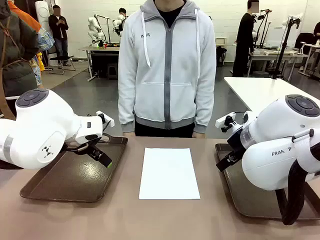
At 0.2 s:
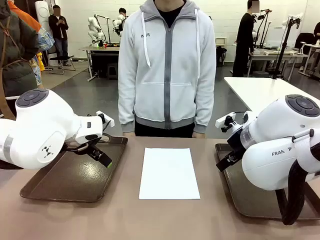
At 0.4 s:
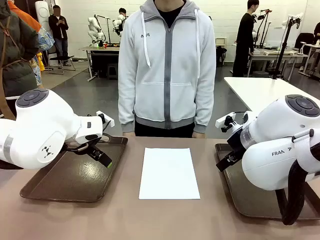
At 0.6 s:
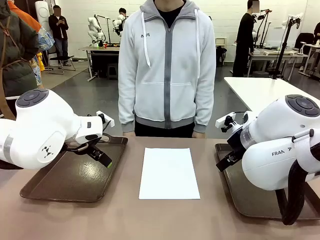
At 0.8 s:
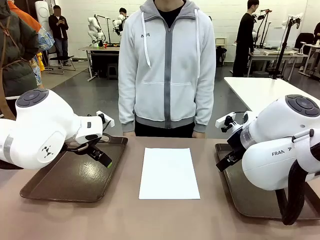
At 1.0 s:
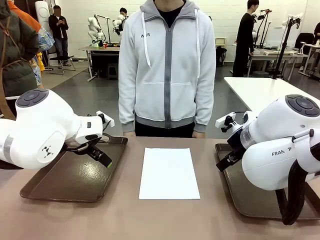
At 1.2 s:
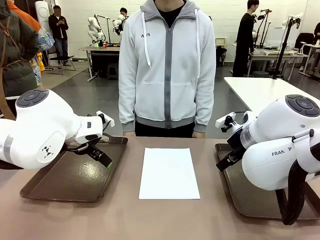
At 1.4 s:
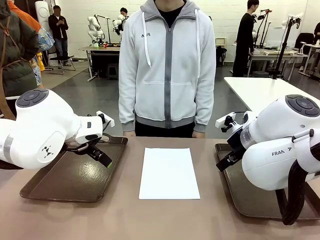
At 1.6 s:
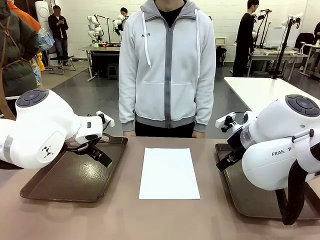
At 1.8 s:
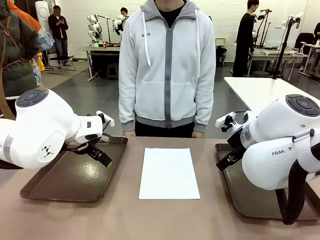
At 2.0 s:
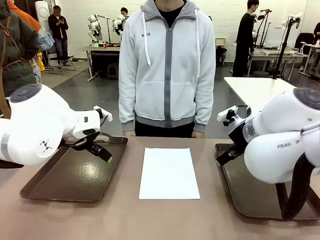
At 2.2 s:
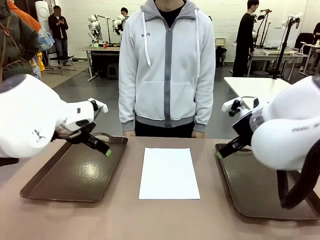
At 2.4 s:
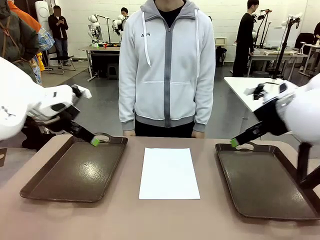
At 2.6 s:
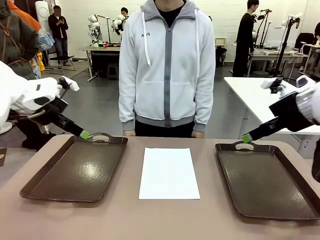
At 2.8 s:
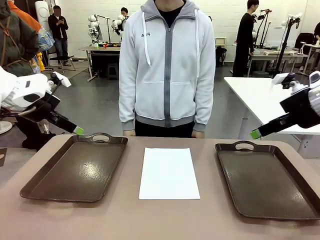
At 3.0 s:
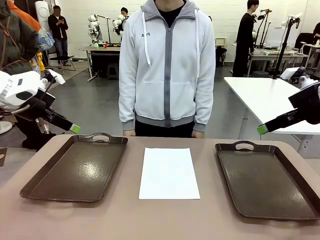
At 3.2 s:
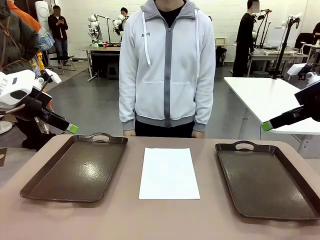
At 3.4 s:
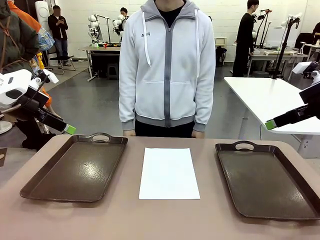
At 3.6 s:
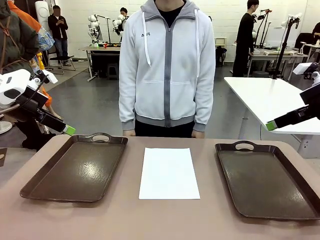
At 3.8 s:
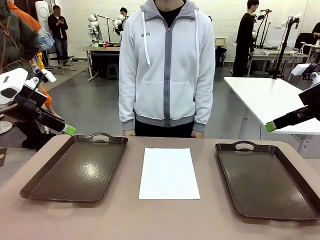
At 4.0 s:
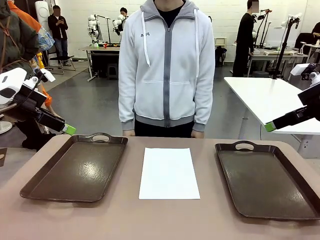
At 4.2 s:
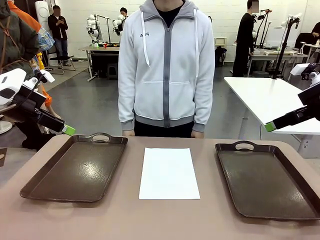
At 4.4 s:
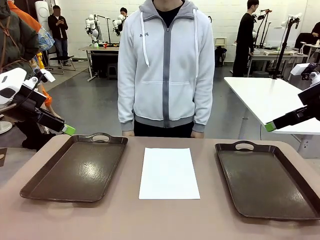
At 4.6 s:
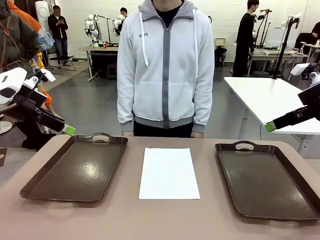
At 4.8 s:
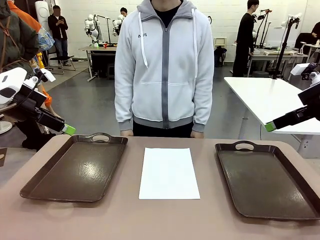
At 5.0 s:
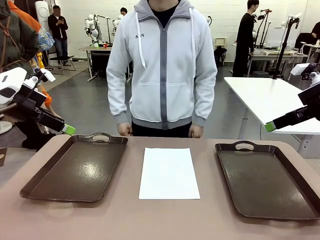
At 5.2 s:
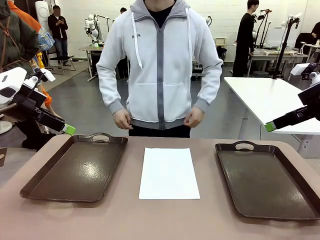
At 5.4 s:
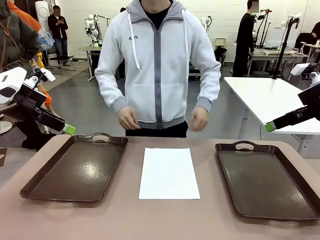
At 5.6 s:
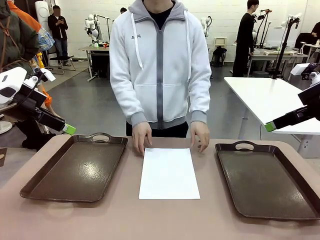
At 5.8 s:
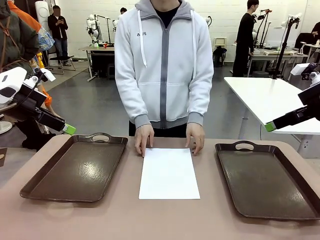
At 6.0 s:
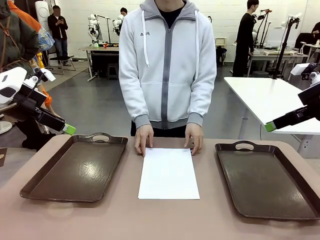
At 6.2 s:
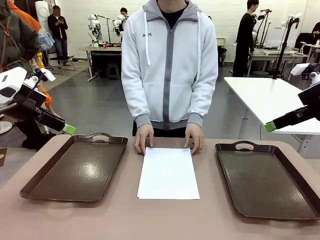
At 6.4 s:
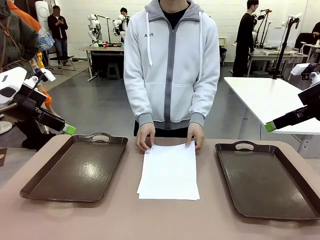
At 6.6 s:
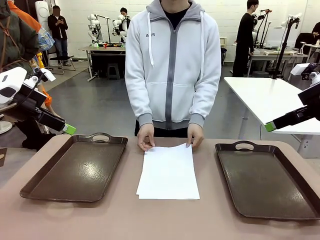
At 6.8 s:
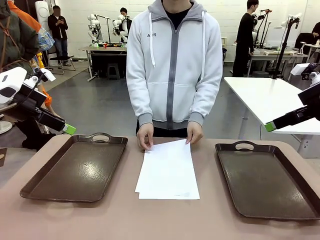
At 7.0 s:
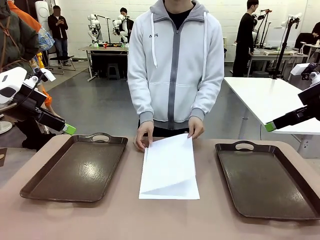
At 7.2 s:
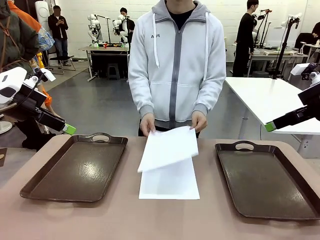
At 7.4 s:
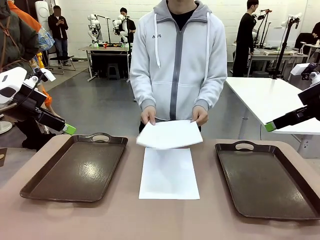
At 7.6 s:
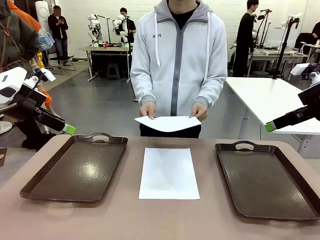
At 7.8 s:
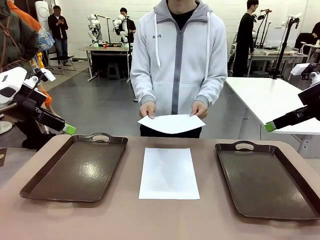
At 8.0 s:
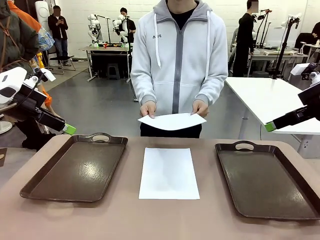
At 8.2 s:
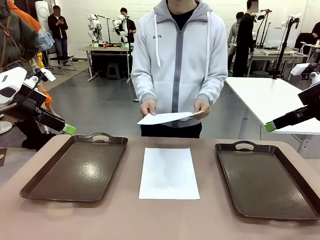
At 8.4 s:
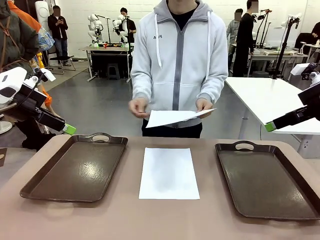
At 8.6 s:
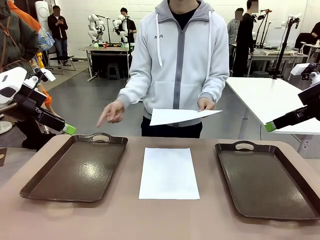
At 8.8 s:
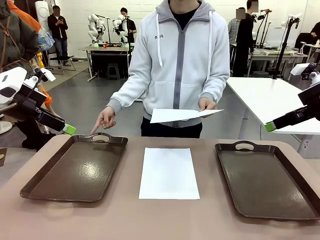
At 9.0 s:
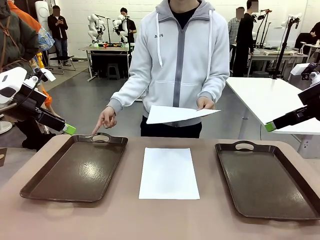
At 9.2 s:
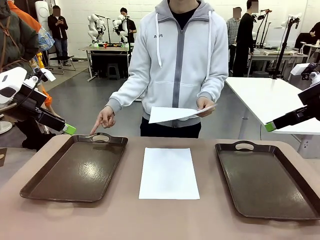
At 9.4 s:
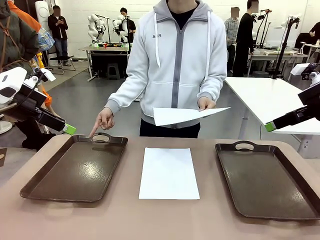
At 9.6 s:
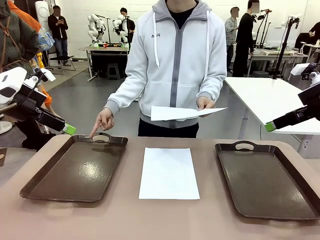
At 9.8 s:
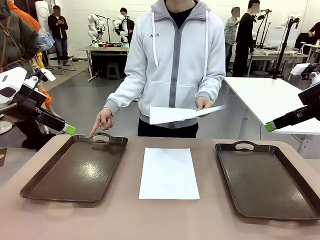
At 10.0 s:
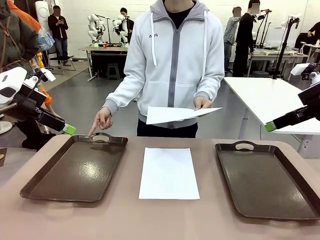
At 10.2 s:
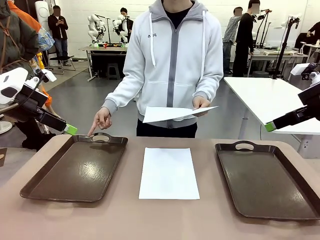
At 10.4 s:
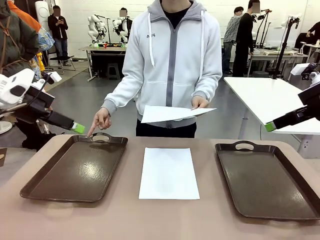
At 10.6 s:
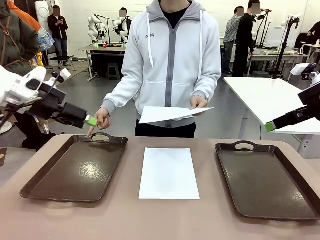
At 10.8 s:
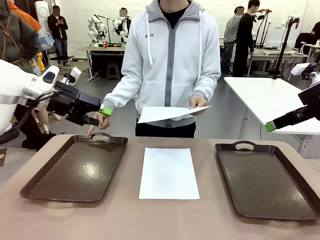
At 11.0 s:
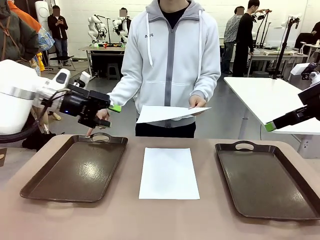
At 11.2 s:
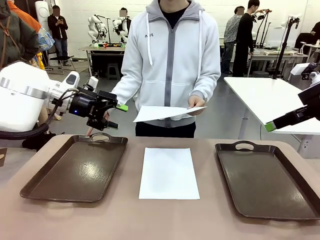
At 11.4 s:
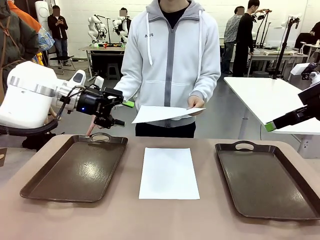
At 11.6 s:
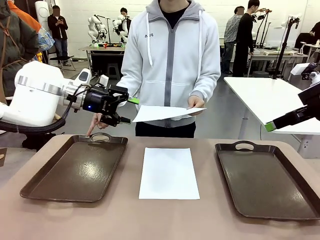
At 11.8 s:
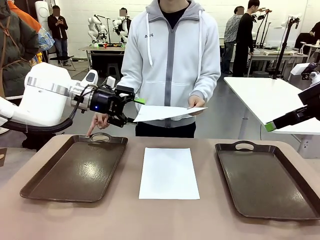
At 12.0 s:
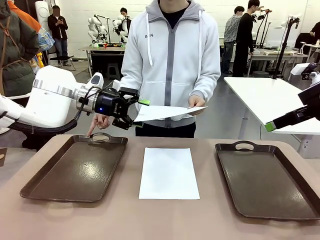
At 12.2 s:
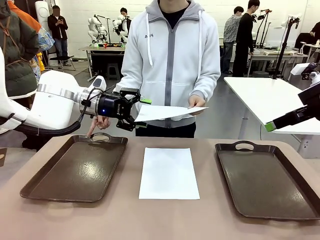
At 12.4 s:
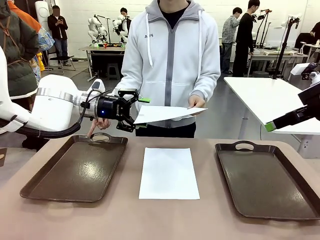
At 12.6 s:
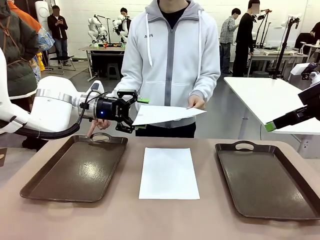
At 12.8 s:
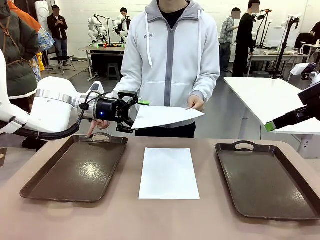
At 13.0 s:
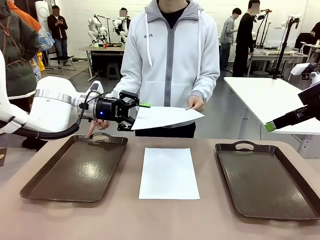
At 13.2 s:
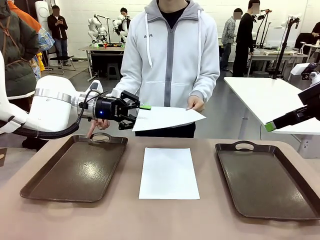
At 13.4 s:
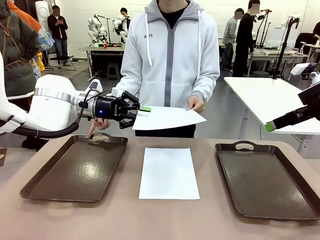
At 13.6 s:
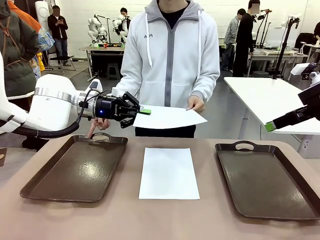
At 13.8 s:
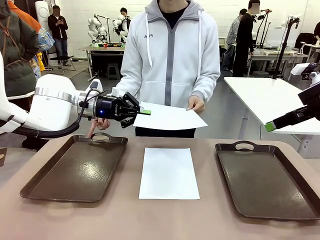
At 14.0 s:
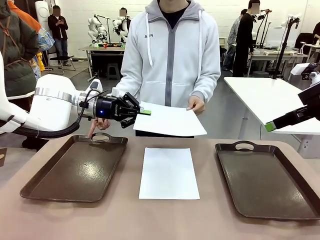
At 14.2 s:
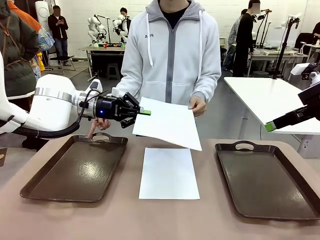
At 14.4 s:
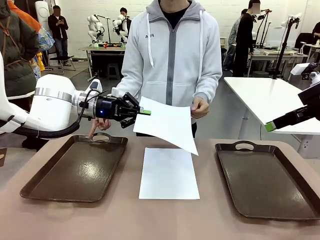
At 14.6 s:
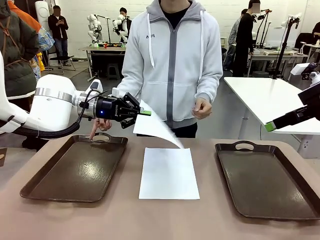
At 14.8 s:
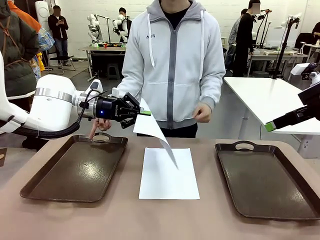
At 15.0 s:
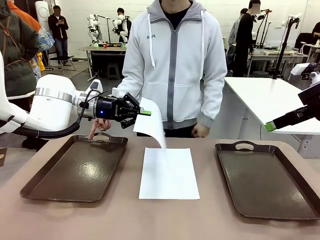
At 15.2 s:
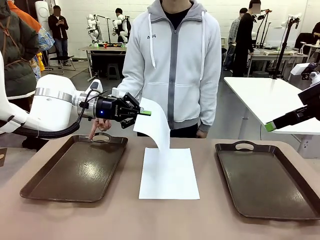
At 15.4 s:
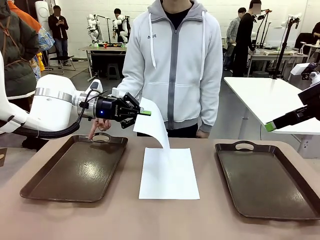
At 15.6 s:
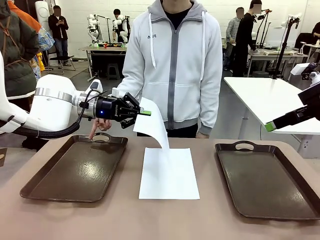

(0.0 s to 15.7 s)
Task: Sort the A4 documents.
Robot: Receive the A4 Paper.
Person: Pick up a sheet of paper from the center of the table and hand it to the robot. Point the randomly selected tray with the other hand.

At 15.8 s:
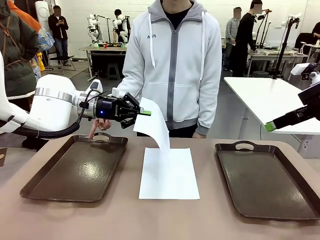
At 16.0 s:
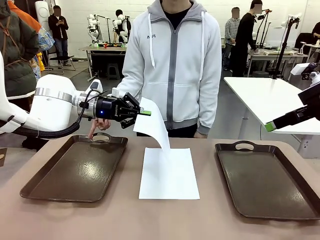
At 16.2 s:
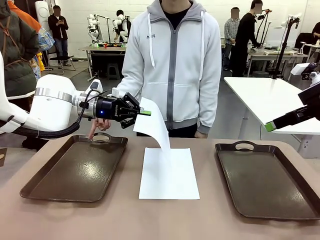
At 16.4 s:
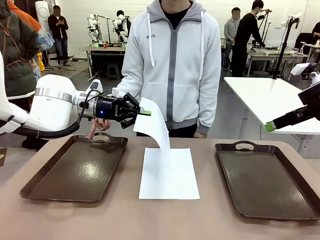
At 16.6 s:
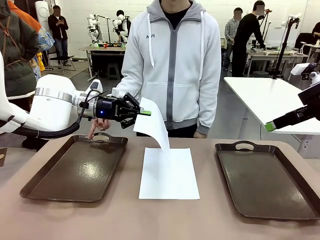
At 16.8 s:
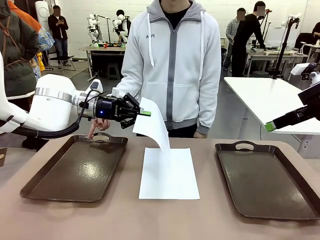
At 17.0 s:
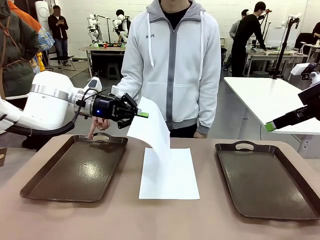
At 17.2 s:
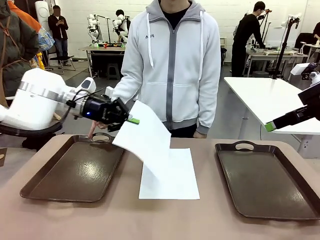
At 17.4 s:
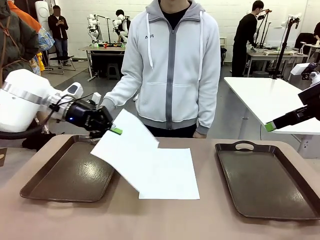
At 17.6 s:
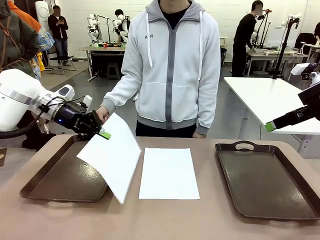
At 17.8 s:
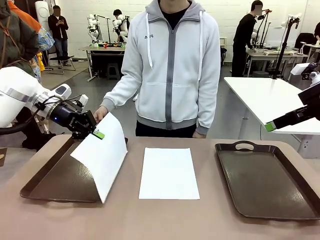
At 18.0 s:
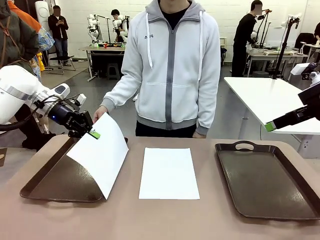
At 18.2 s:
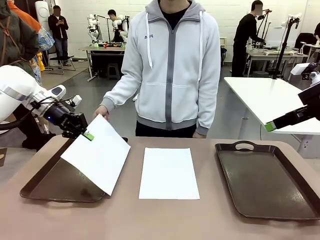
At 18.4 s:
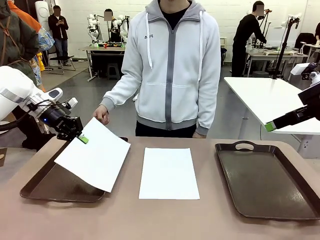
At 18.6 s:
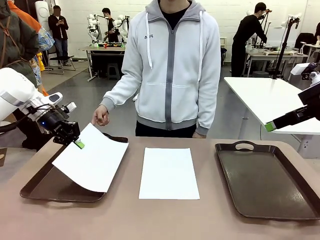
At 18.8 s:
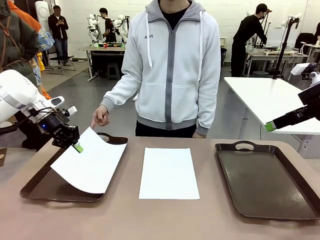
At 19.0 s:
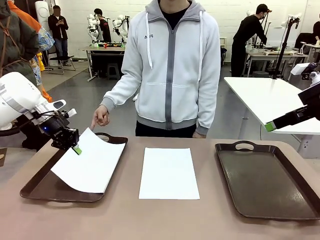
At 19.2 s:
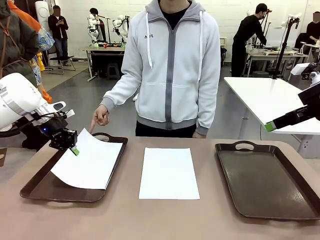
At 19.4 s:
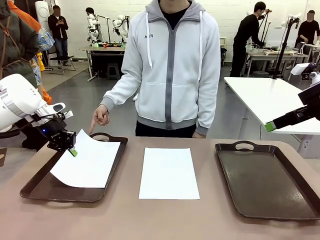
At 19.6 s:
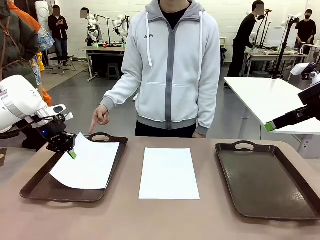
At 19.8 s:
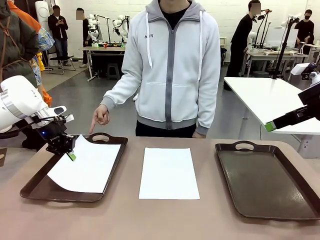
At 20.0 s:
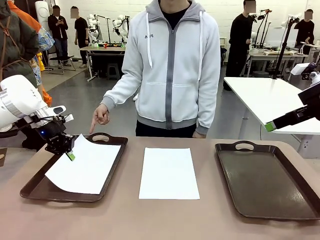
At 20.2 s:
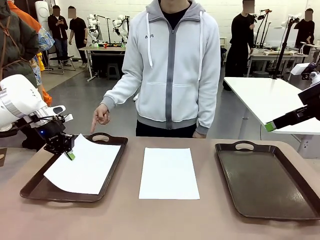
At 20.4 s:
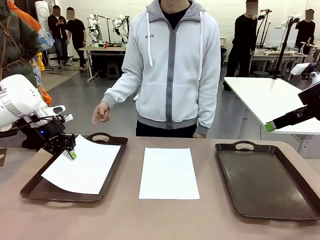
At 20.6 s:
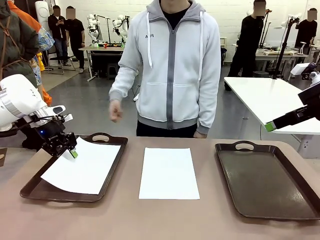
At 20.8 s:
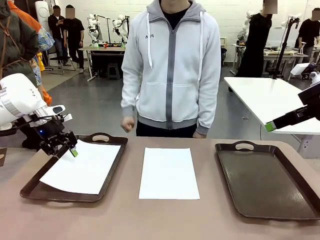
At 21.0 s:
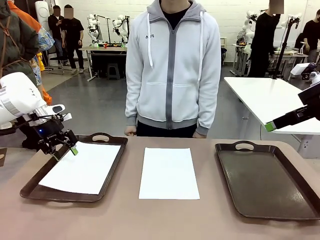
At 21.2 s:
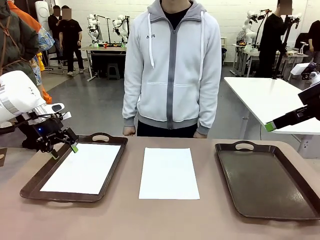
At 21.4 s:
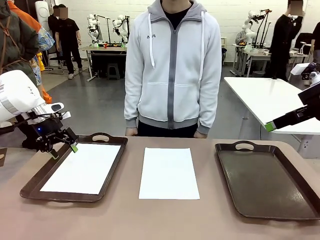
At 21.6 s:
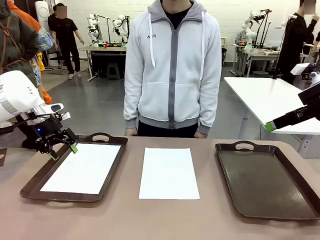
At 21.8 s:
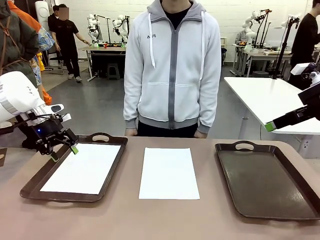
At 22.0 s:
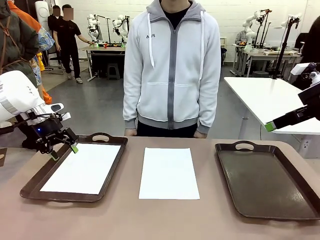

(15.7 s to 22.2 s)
Robot: Place the A4 Paper in the designated Handle tray.
